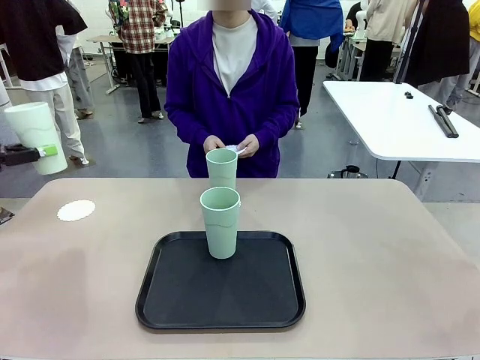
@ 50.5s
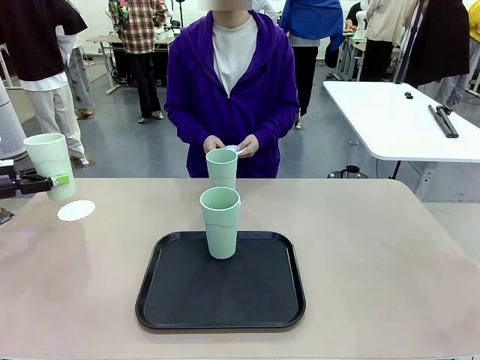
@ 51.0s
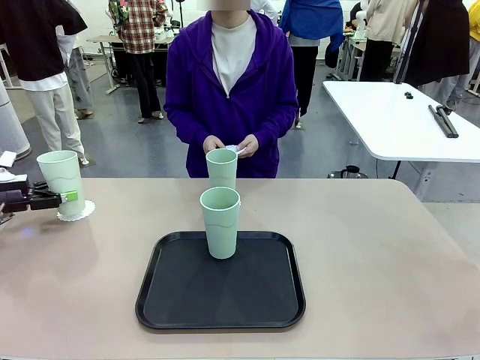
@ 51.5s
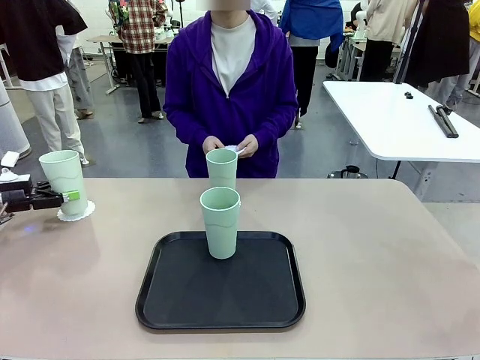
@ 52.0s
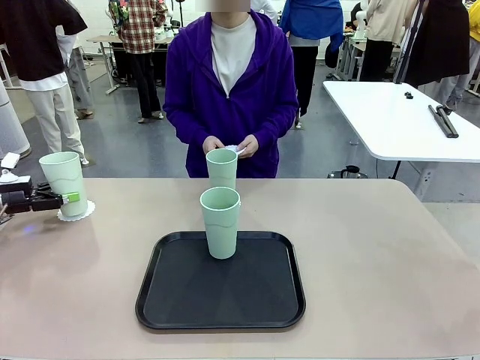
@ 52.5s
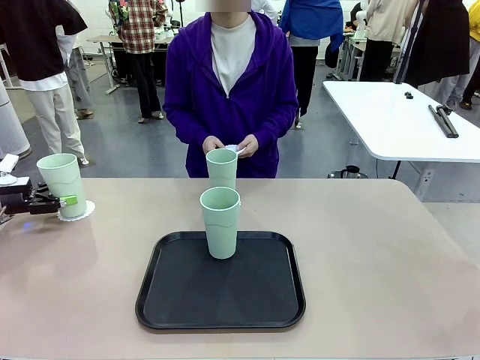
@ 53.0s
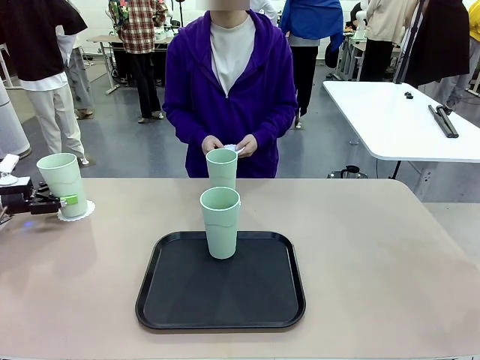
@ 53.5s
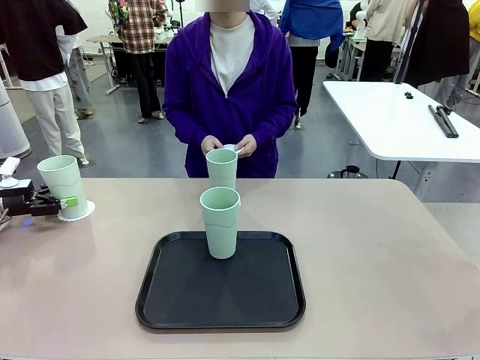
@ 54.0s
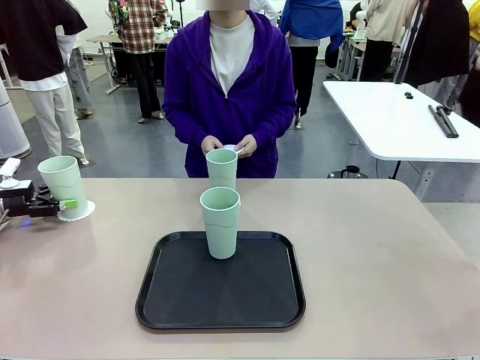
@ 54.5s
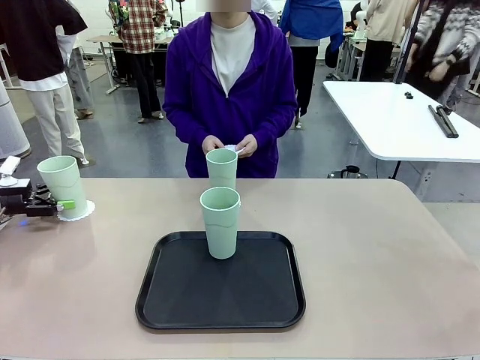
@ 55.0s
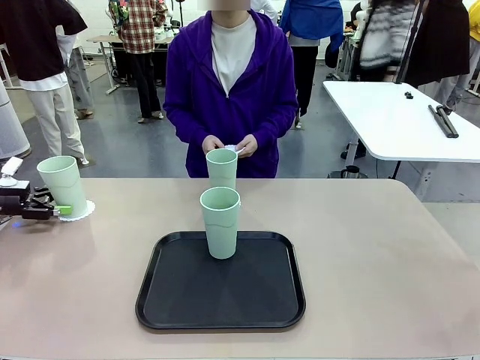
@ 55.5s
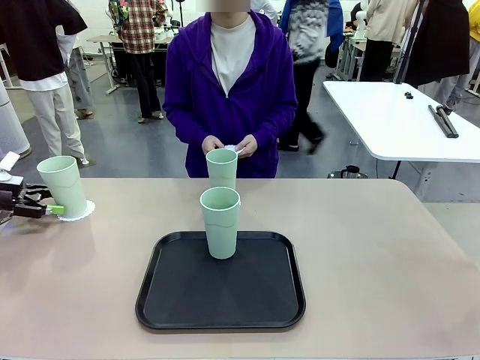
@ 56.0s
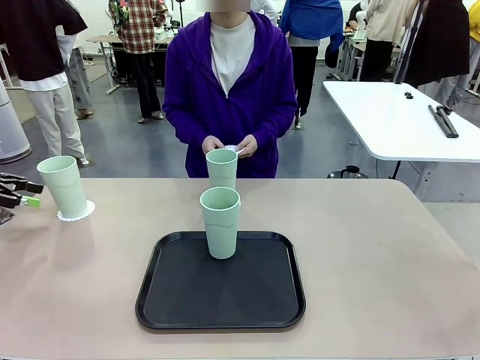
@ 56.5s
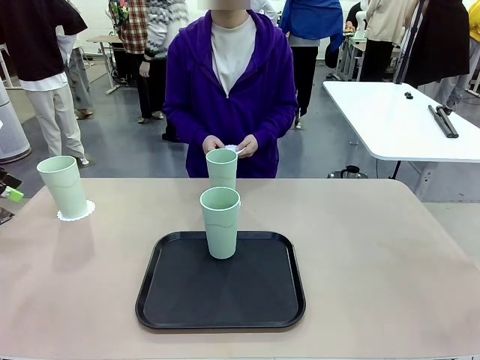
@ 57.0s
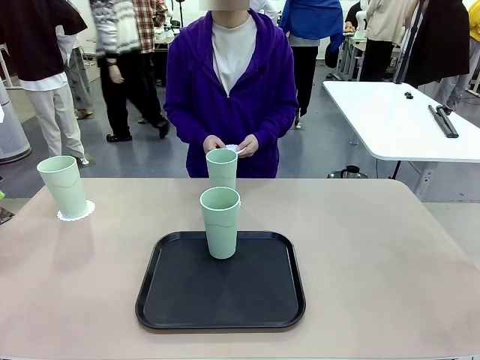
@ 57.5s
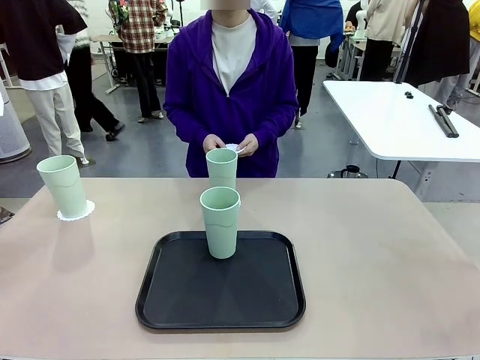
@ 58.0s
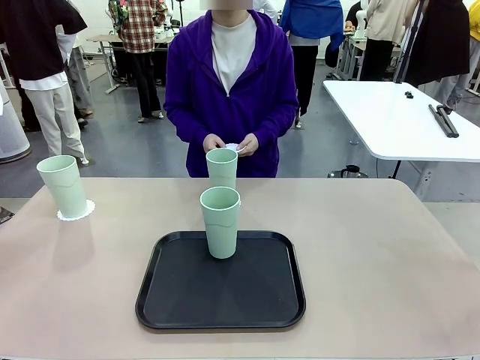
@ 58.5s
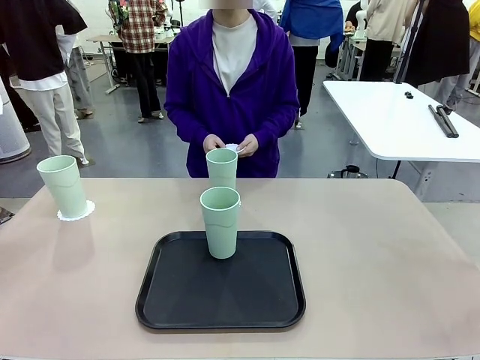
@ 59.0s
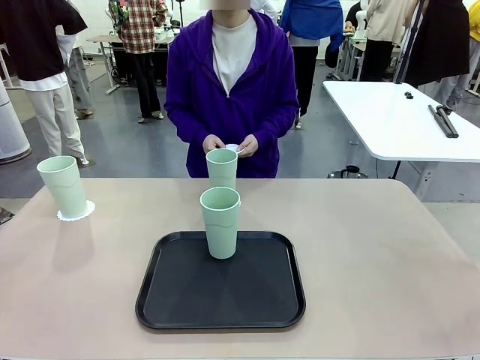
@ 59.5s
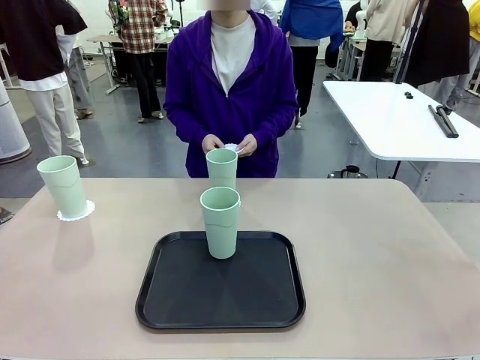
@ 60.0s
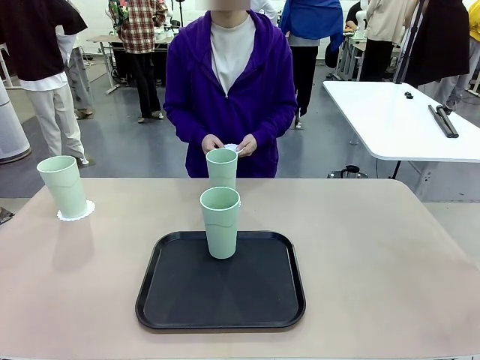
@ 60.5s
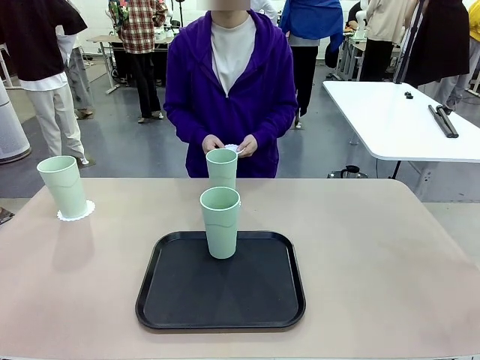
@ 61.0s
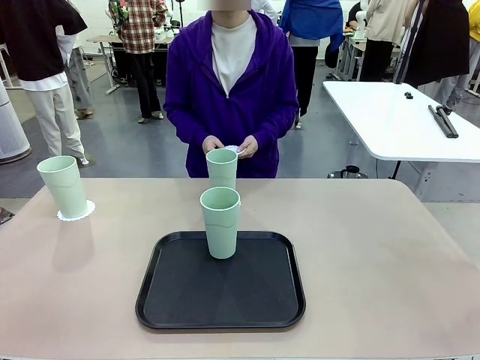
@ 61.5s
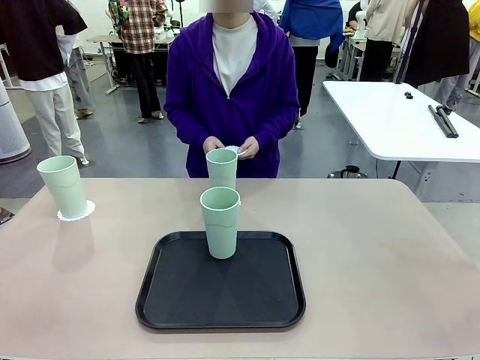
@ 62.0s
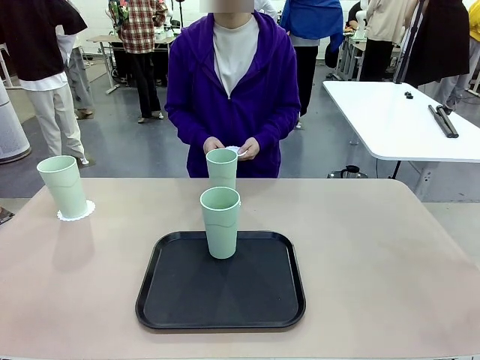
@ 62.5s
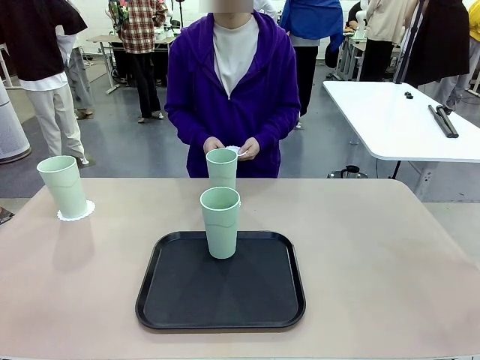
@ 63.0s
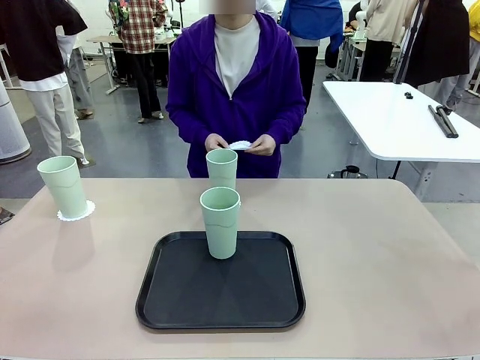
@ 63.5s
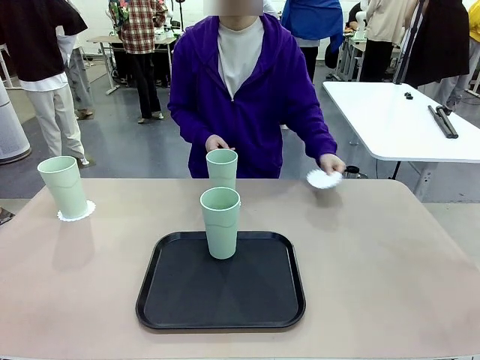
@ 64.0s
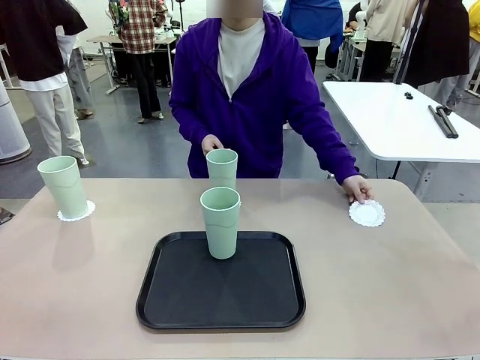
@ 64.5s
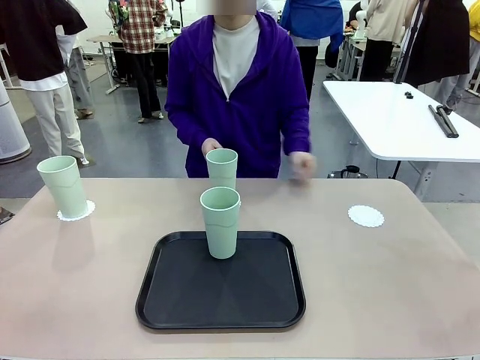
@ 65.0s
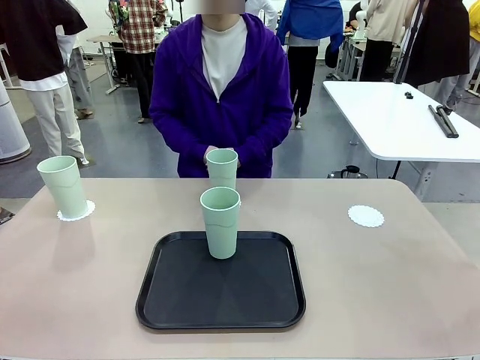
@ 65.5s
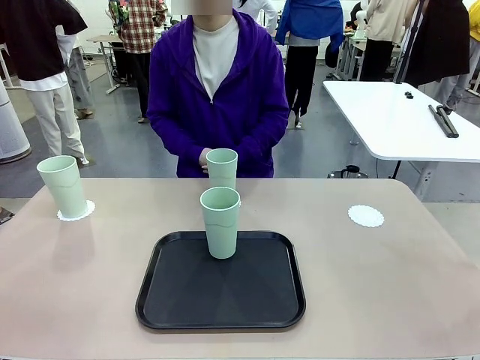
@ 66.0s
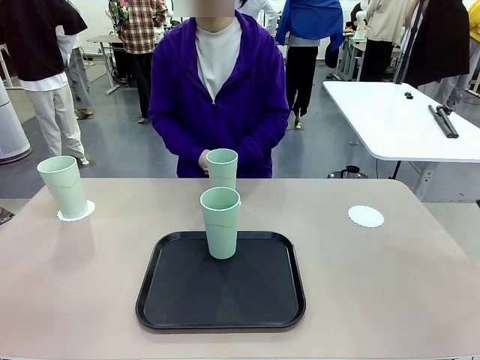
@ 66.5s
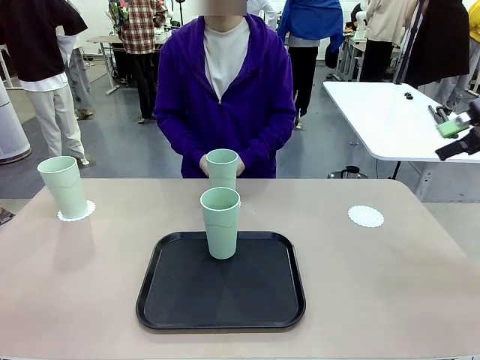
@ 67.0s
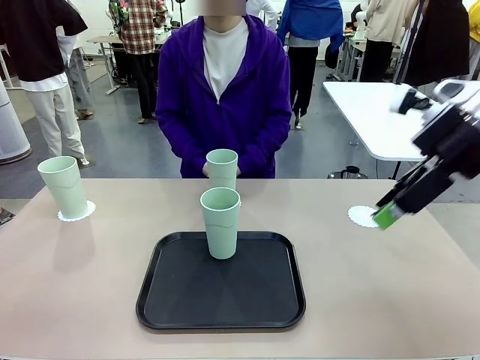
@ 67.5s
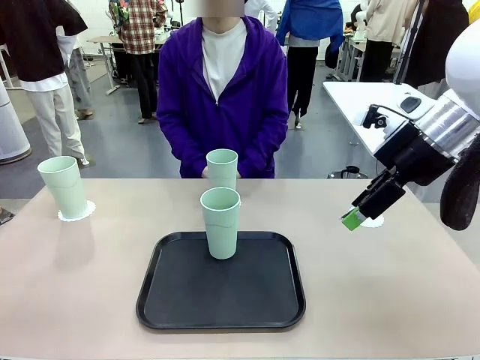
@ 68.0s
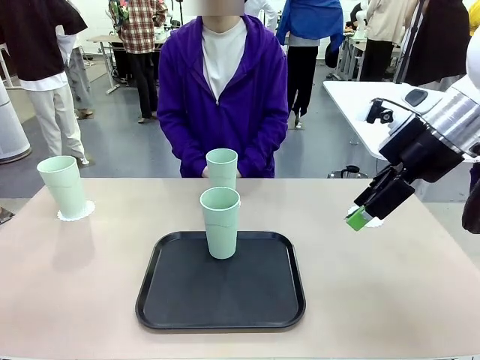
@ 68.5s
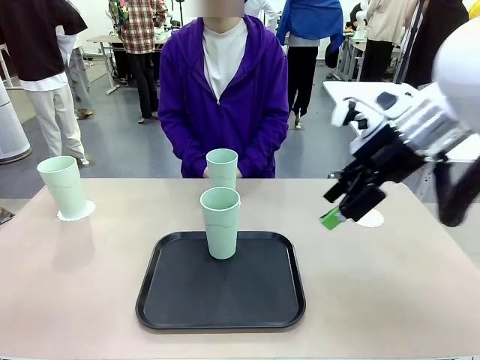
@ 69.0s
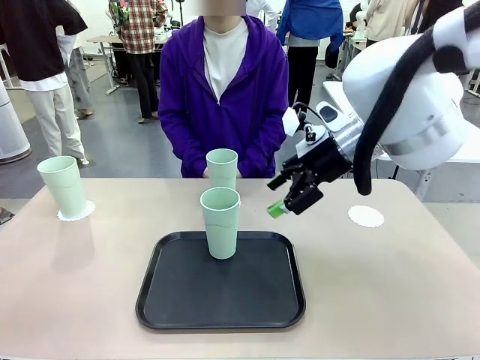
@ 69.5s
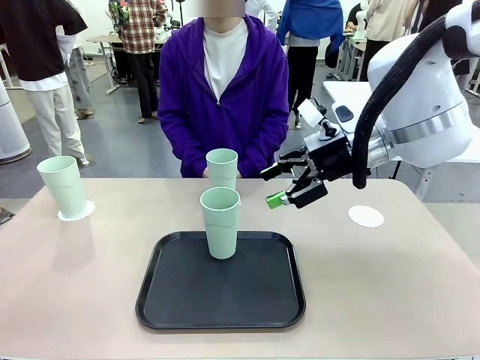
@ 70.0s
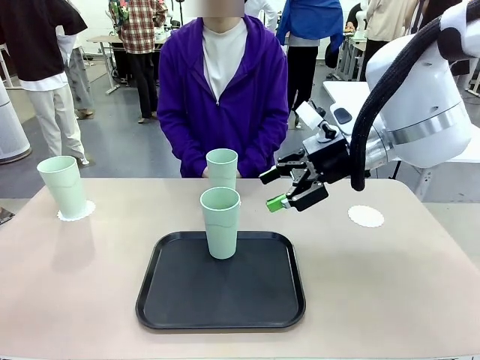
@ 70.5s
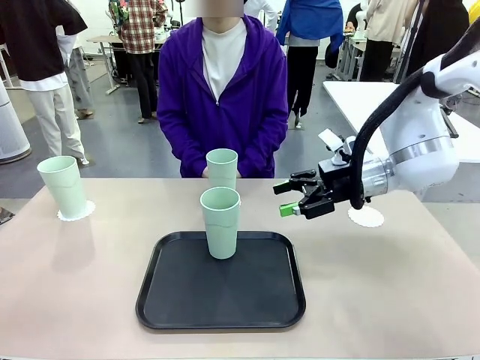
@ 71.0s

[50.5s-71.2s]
Task: Place coasters on the table and set cups on them.
Robot: Take one Reusable plastic cup from the Flat Tray and place it on a coaster set by the human.

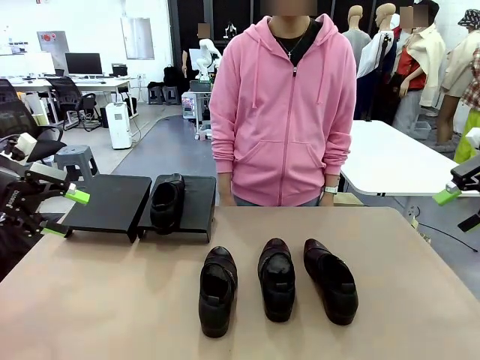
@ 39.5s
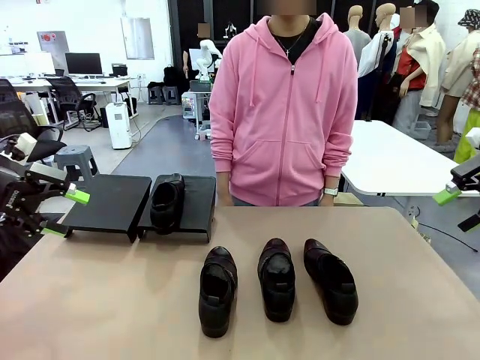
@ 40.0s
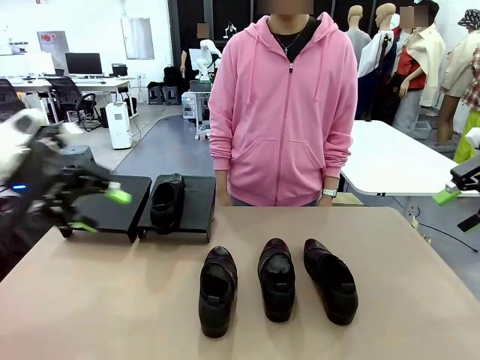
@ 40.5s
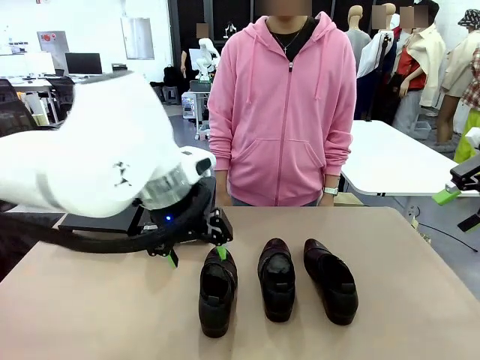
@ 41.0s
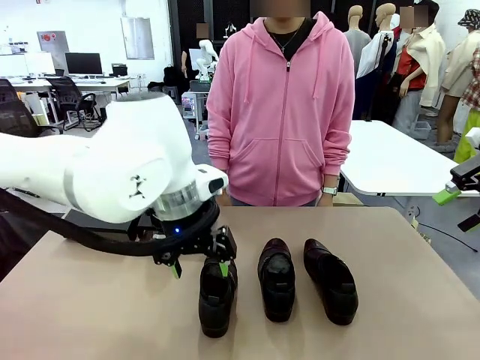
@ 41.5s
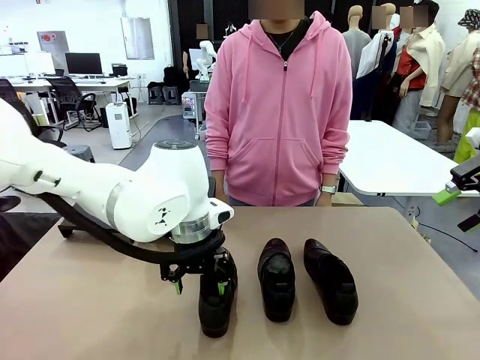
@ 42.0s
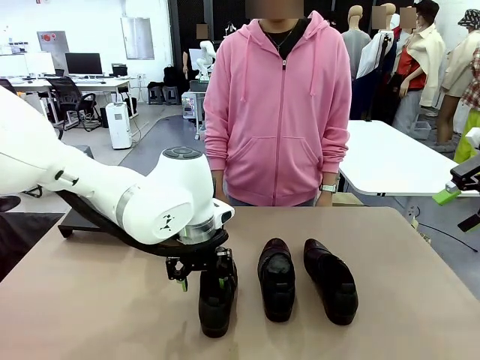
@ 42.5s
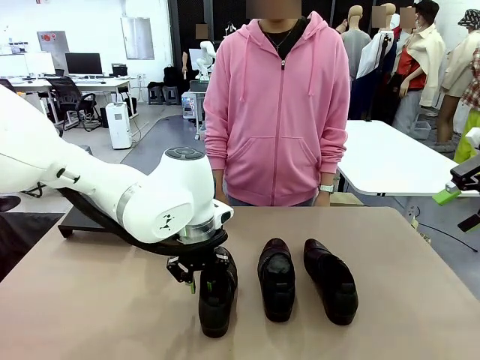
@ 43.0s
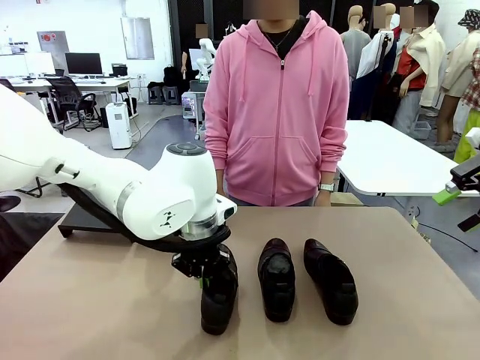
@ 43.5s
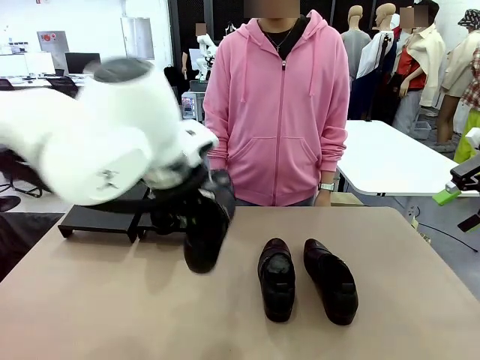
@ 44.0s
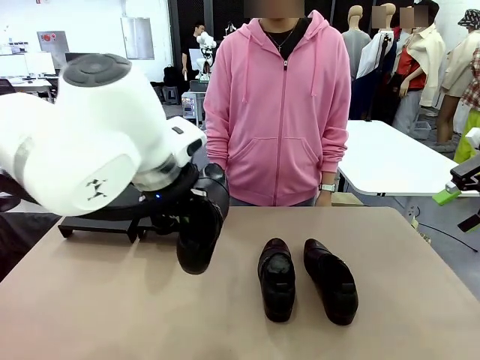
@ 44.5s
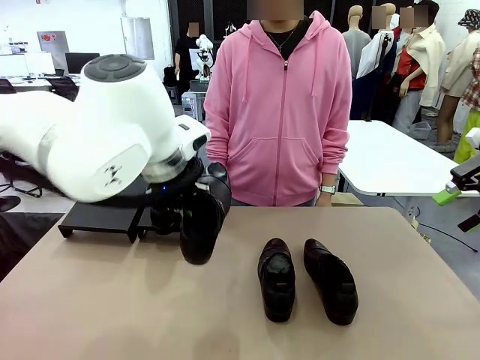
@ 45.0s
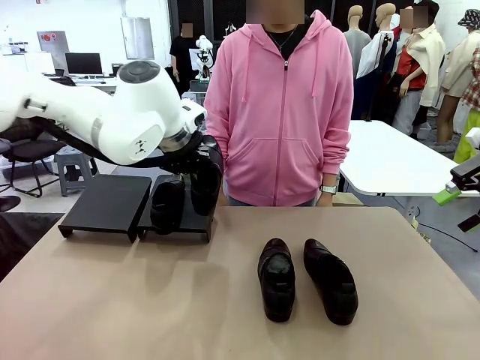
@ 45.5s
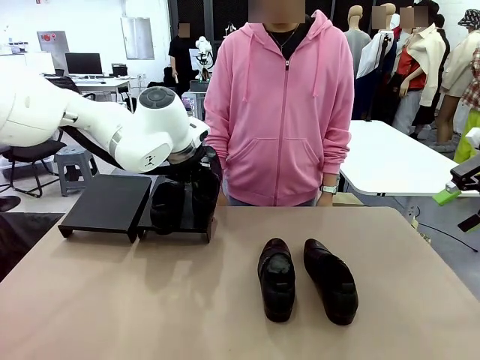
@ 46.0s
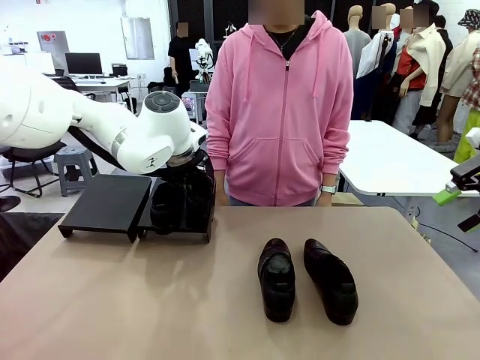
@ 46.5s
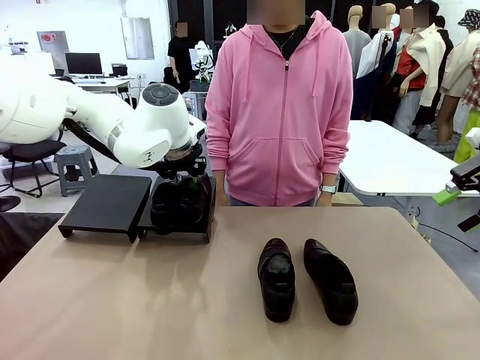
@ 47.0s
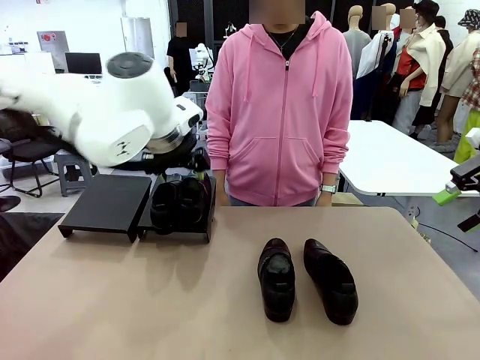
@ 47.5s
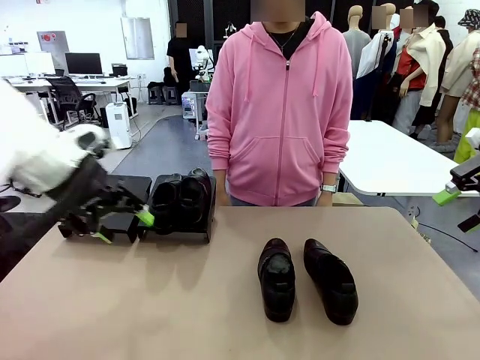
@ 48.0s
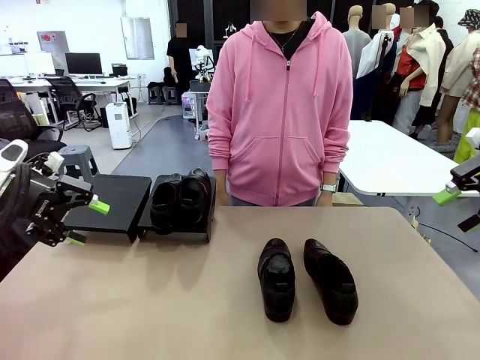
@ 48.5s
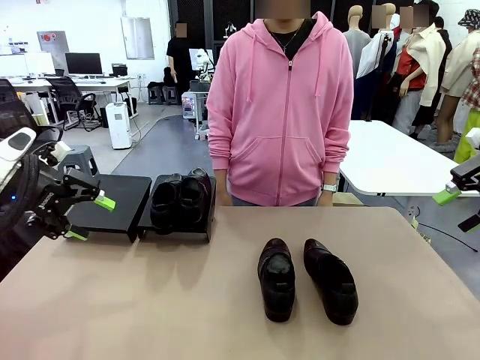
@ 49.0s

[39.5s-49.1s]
Task: Organize the shoes by placing them on the stand.
Robot: Place the Shoe from the middle of the table onto the Shoes Stand.
